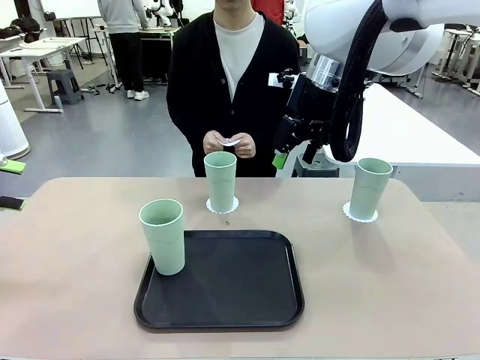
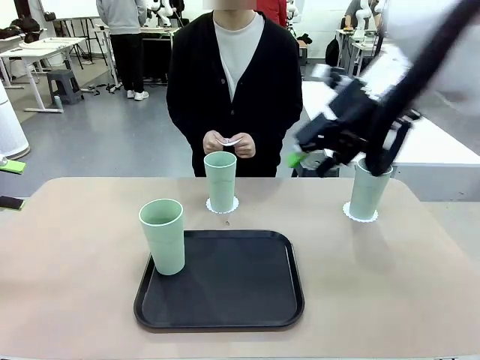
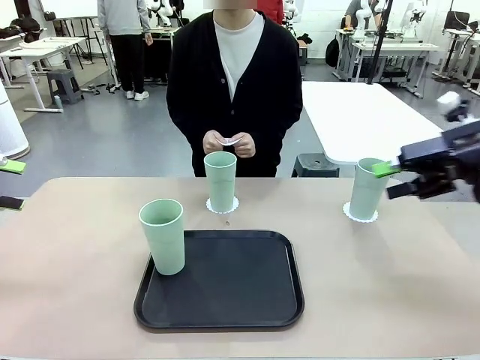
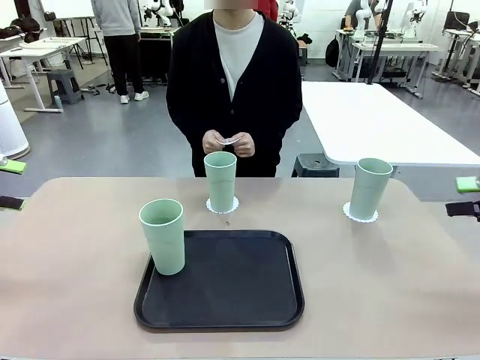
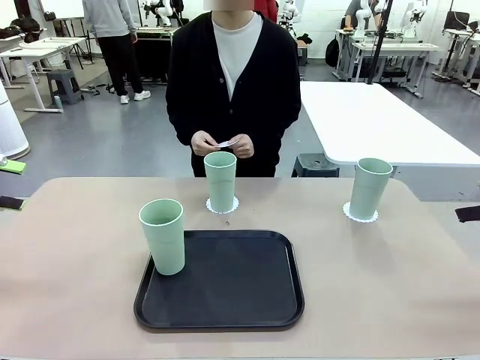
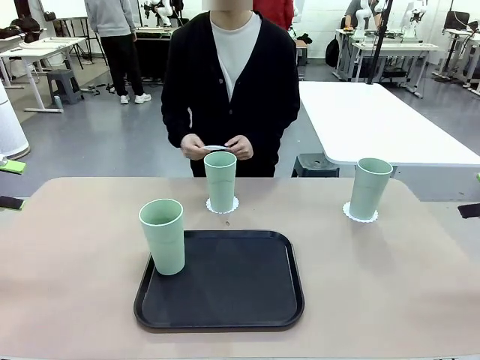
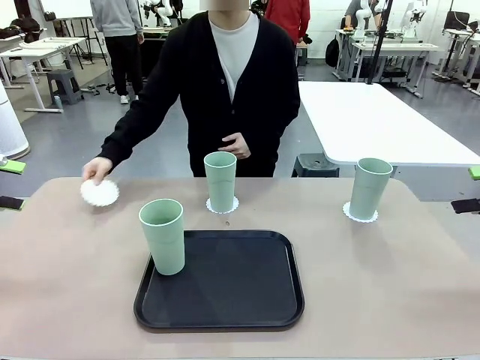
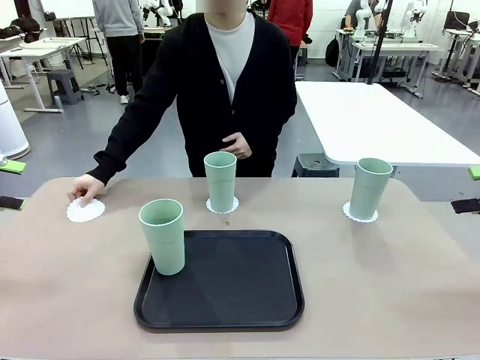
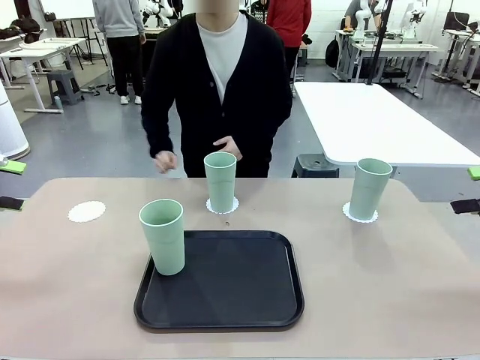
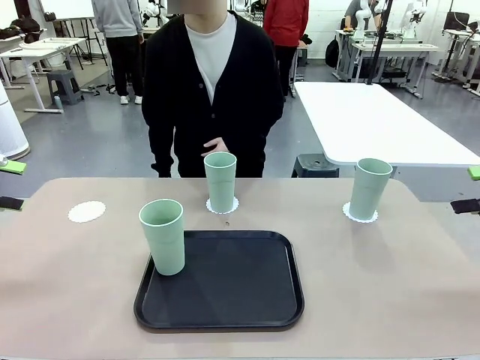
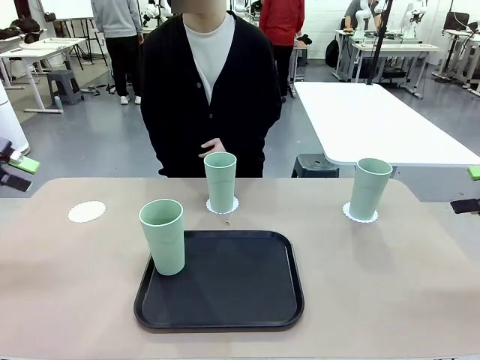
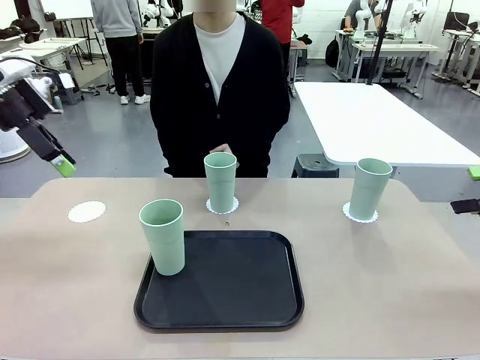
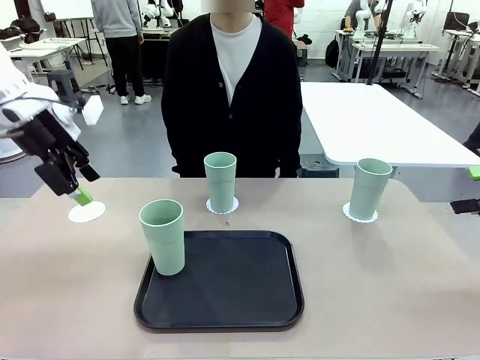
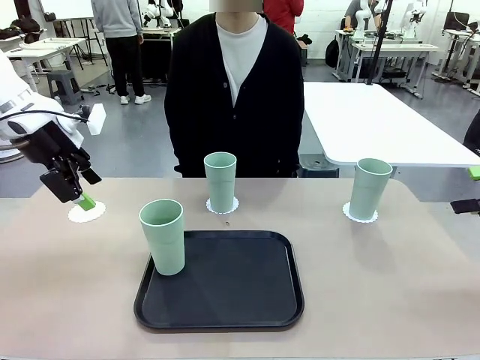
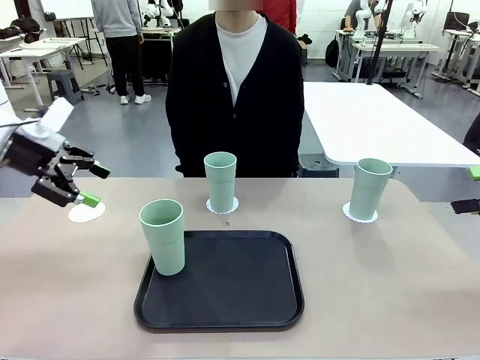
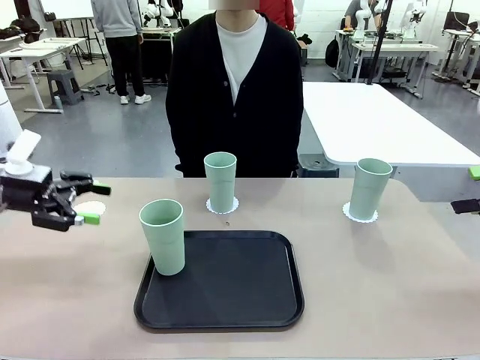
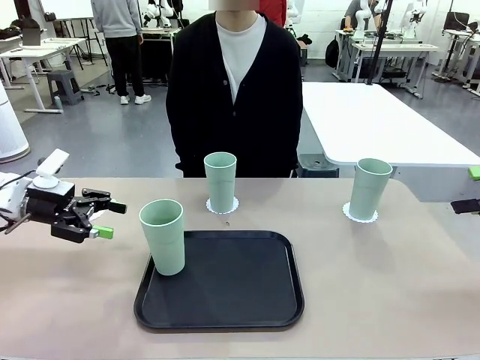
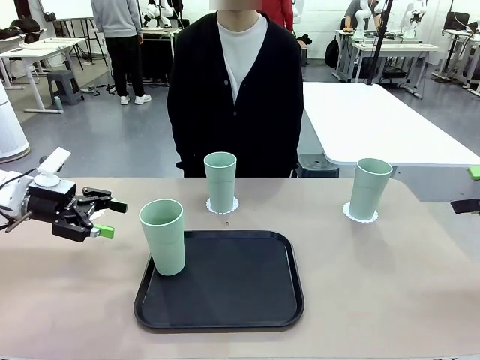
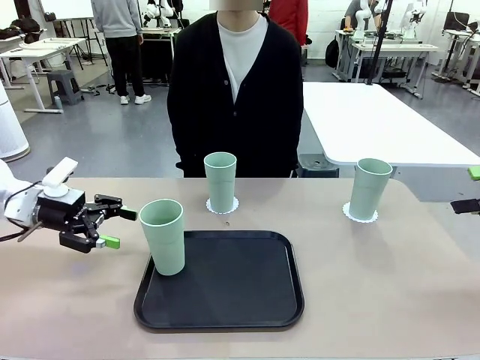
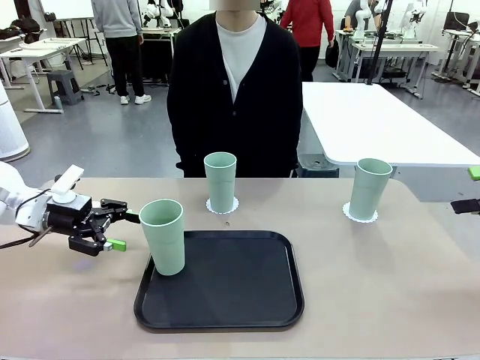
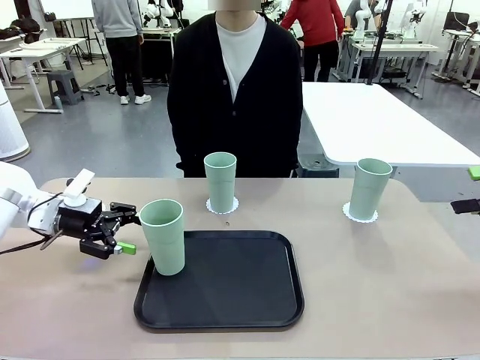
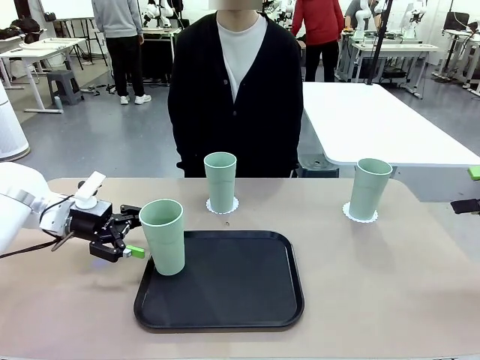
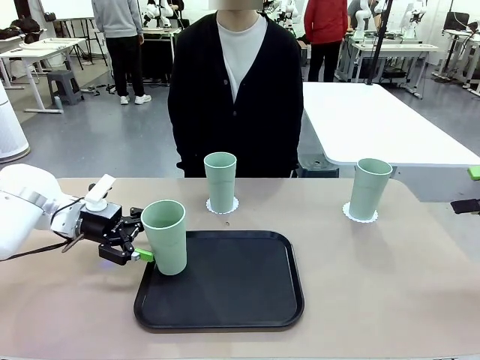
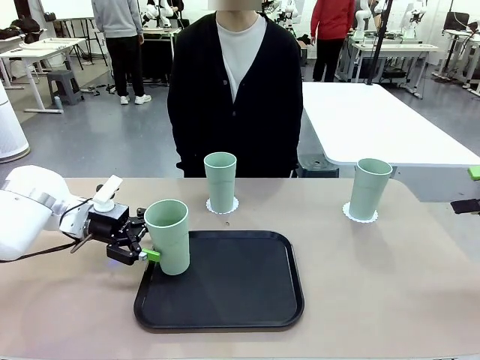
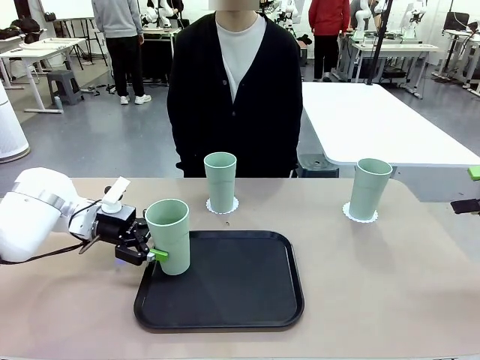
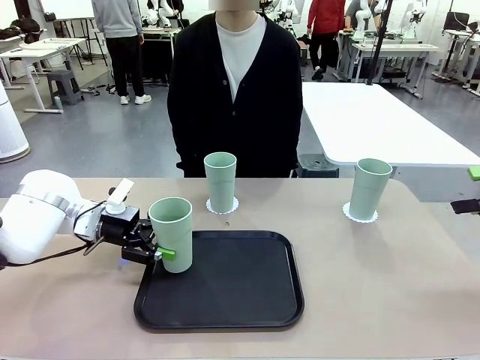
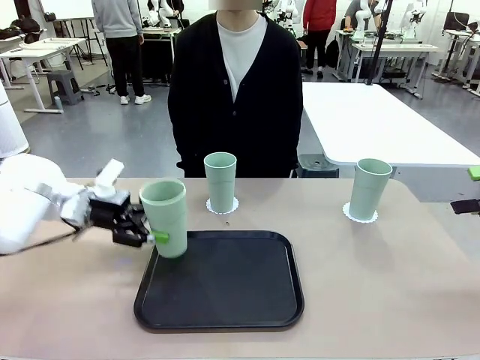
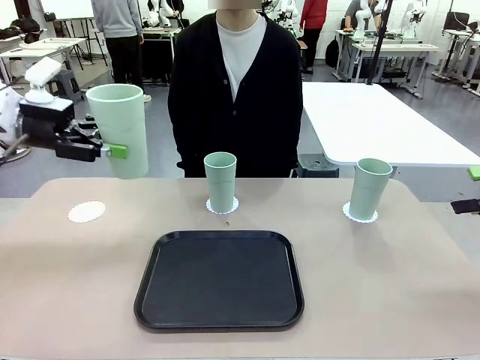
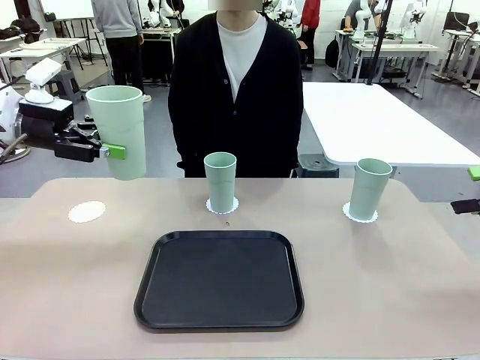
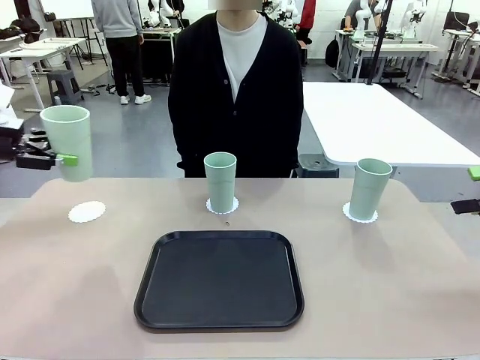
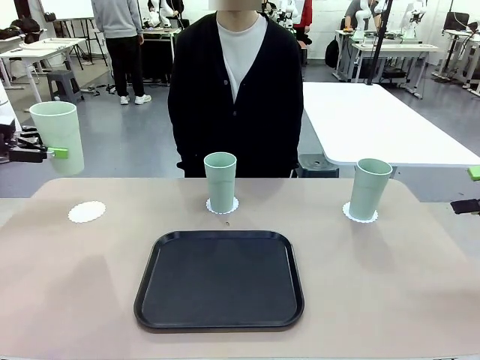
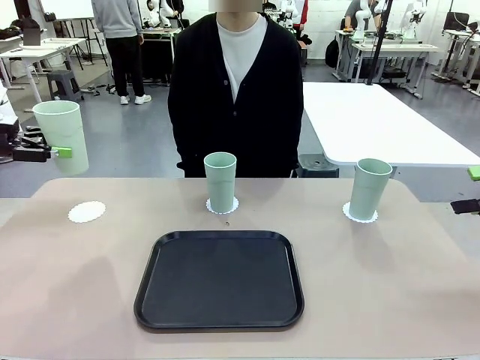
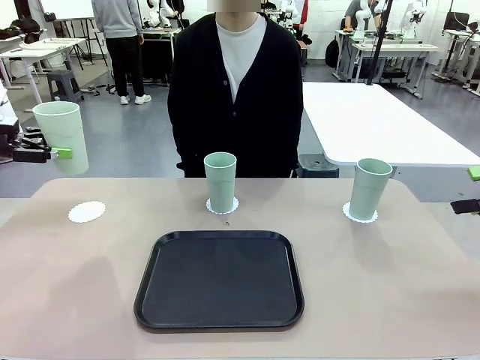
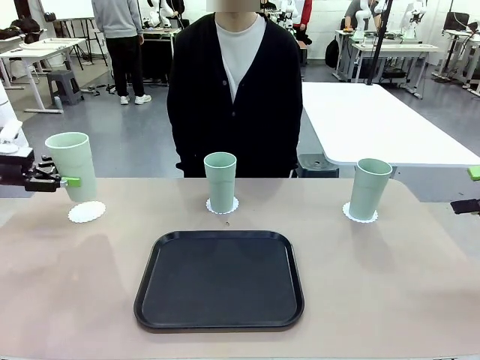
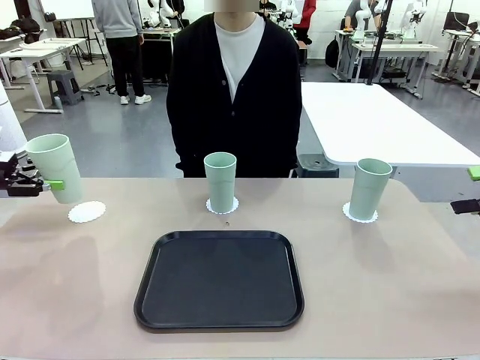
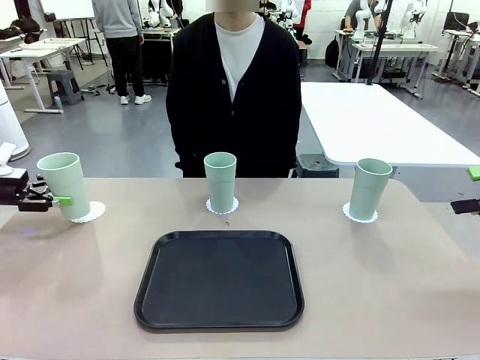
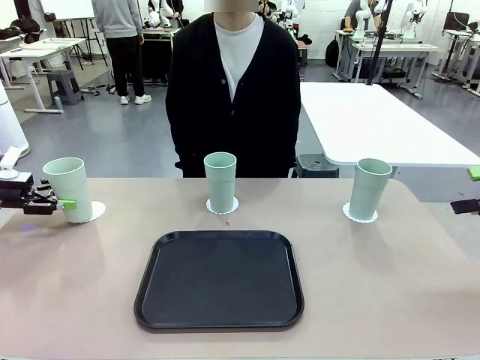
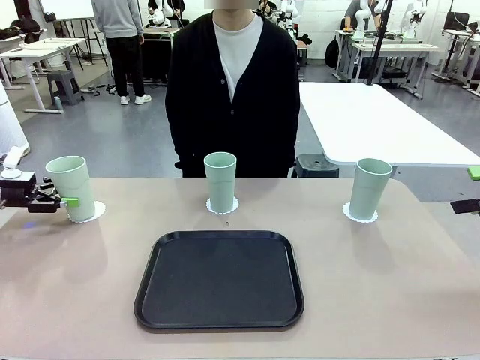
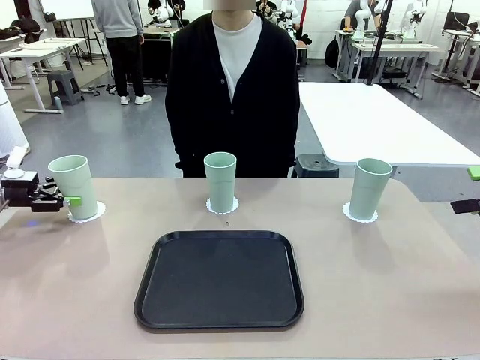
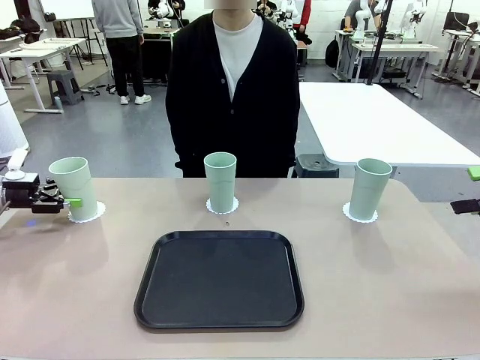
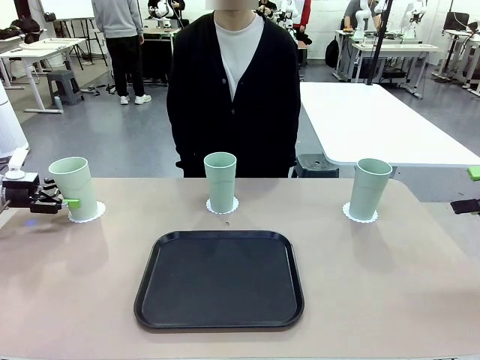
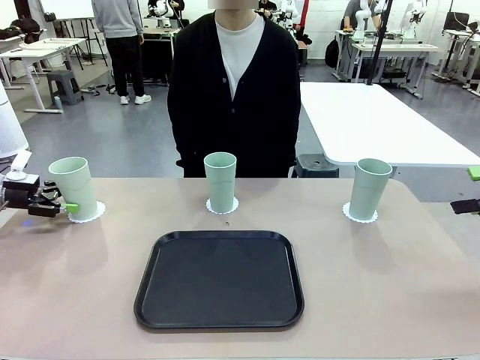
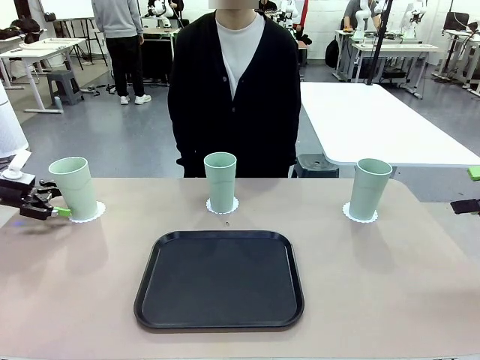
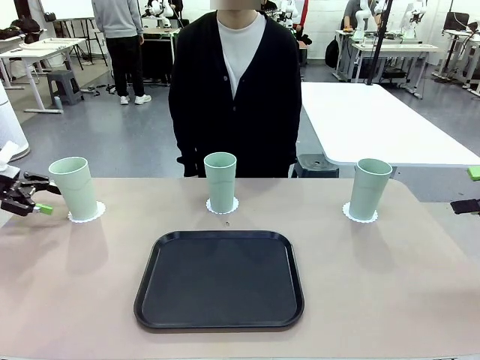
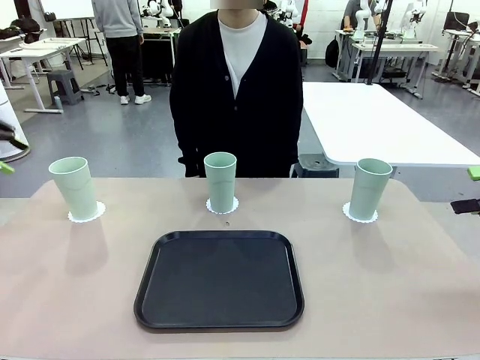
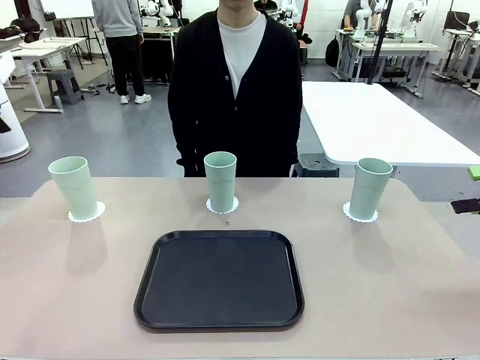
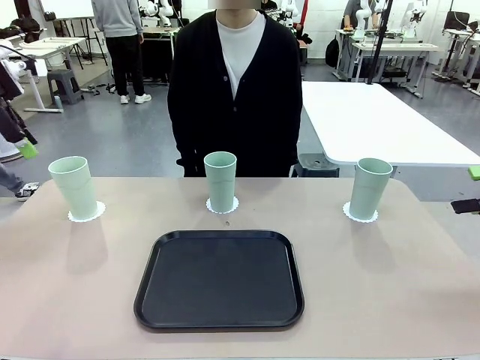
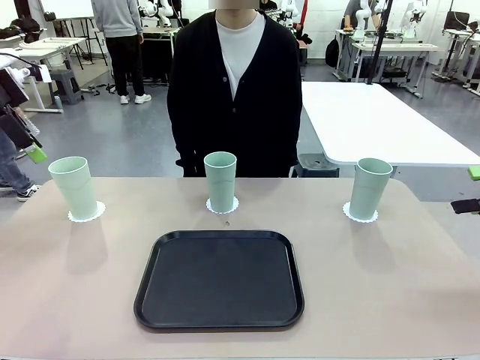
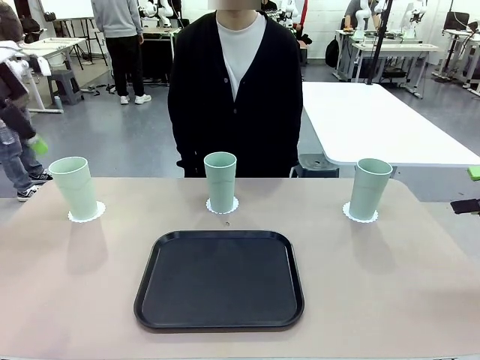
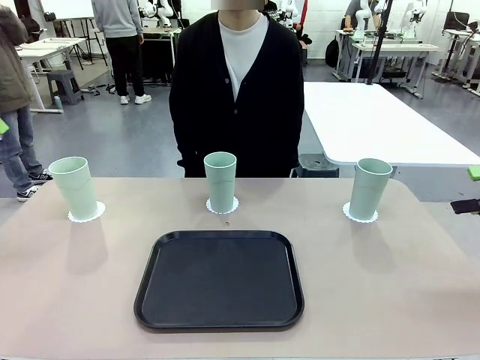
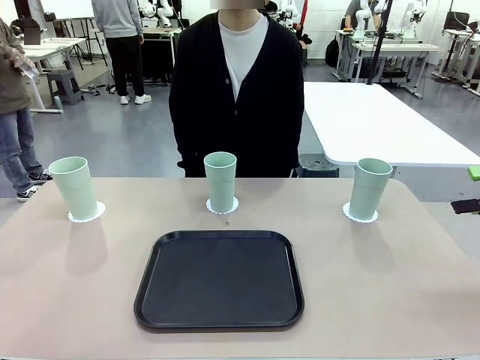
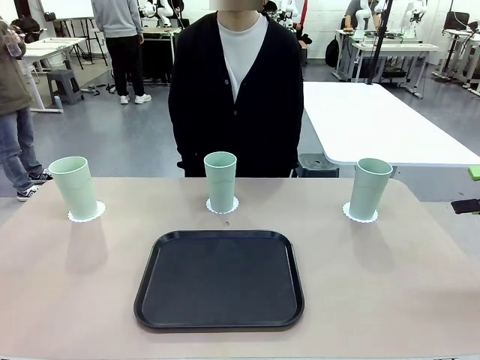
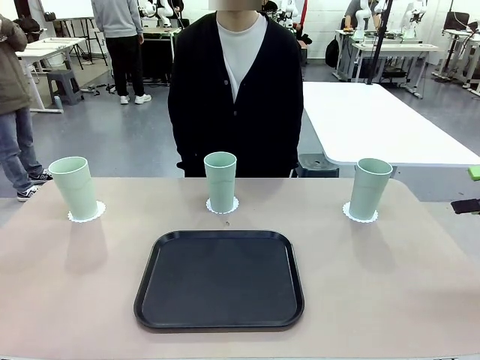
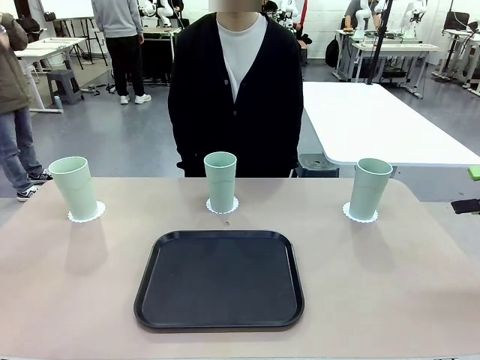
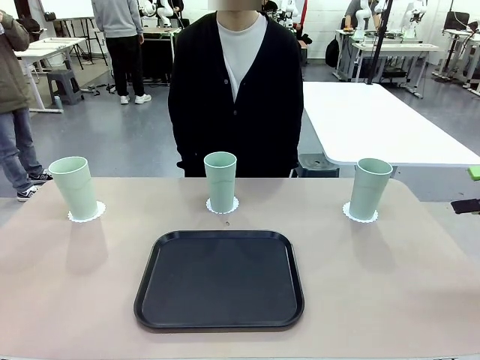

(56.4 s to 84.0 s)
Task: Place coasters on the table and set cups on them.
Robot: Take one Reusable plastic cup from the Flat Tray and place it on a coaster set by the human.
Person: Place one coaster in the only remaining area.
